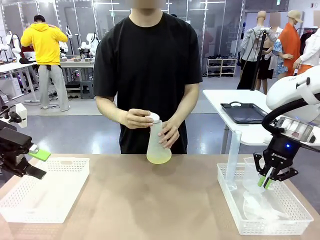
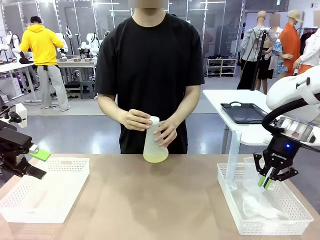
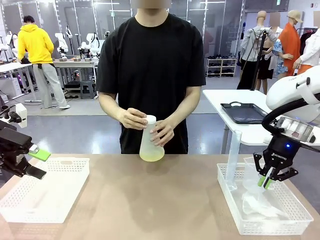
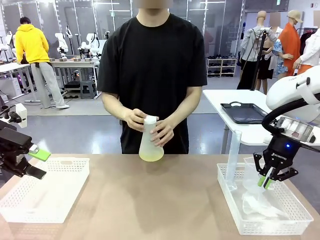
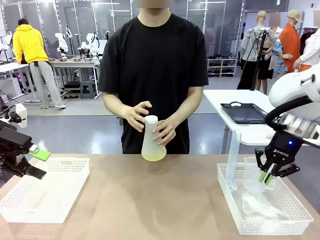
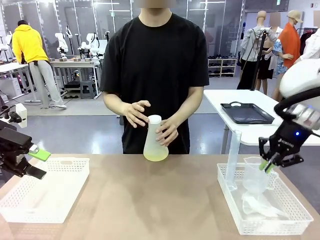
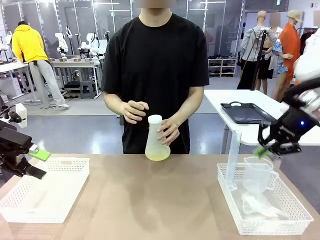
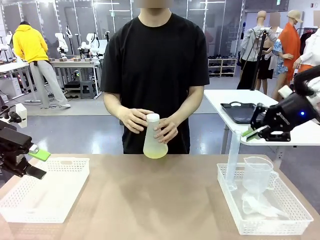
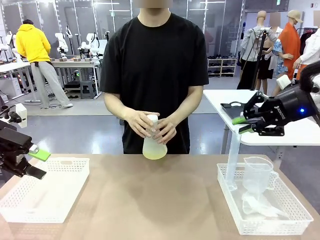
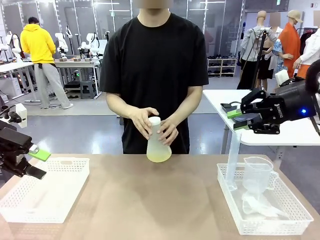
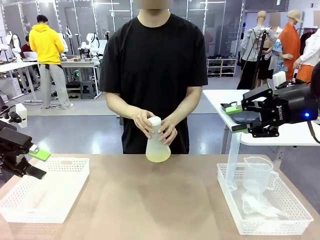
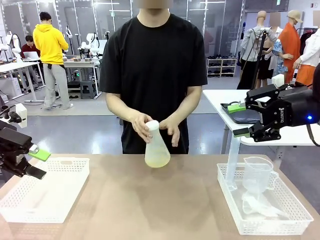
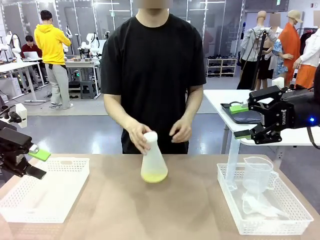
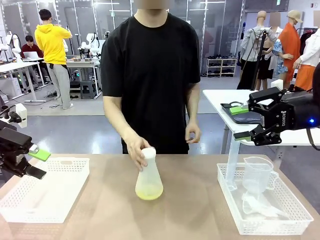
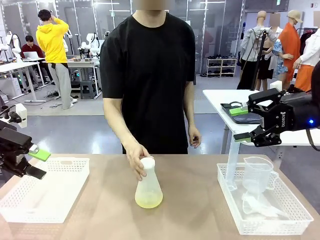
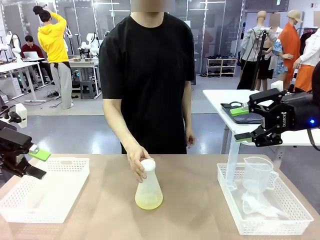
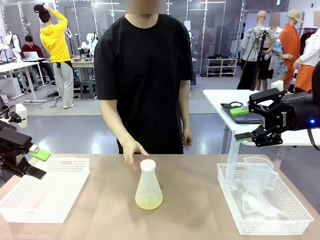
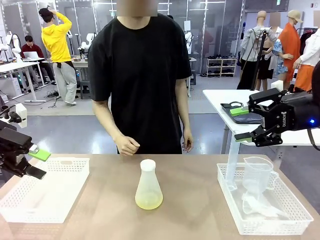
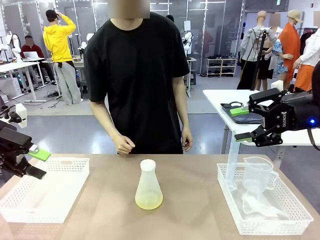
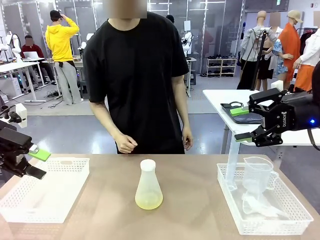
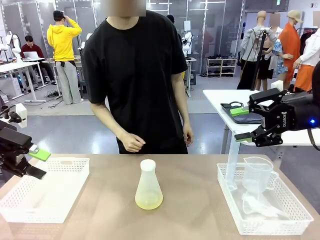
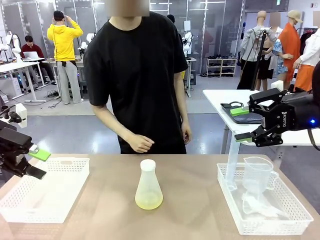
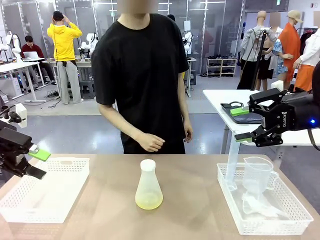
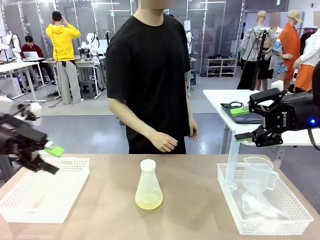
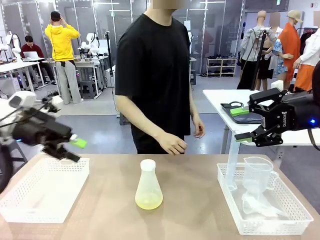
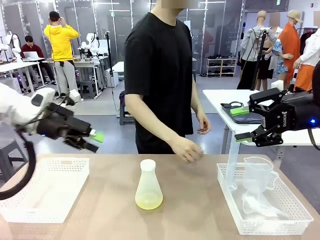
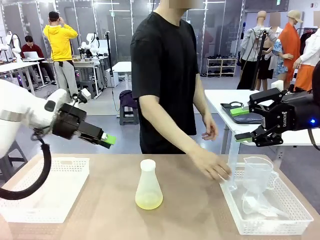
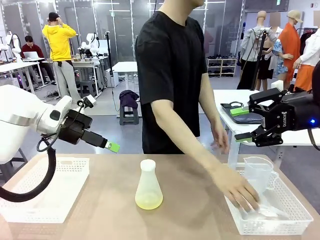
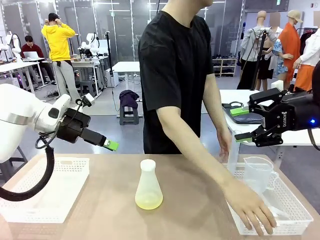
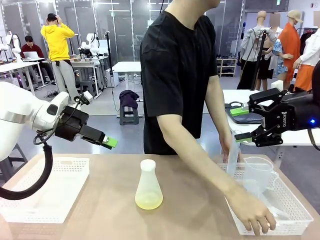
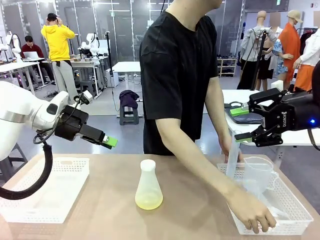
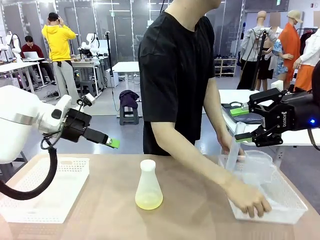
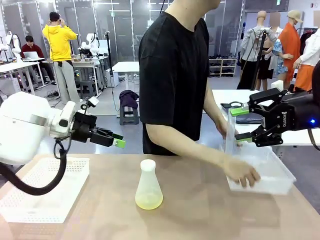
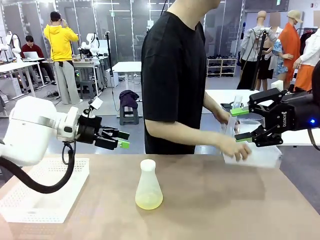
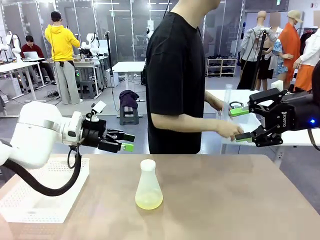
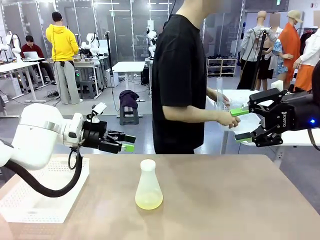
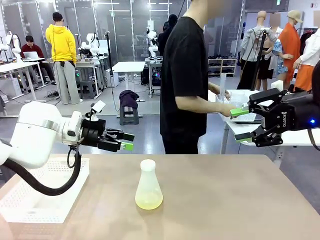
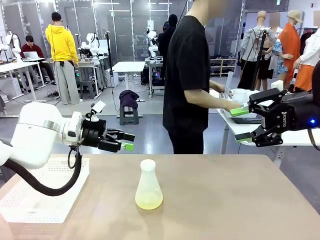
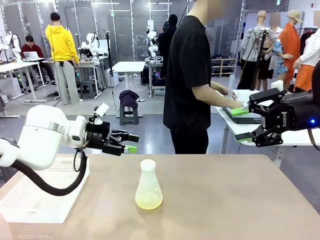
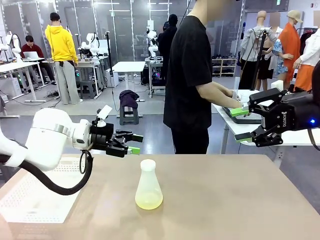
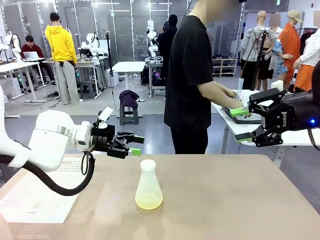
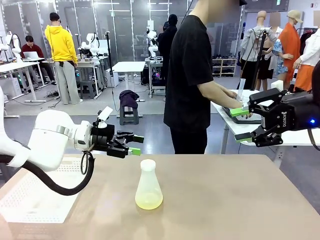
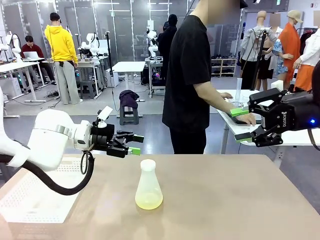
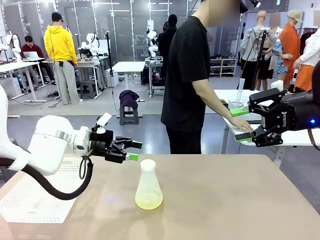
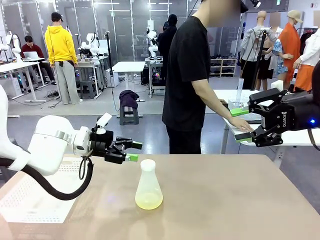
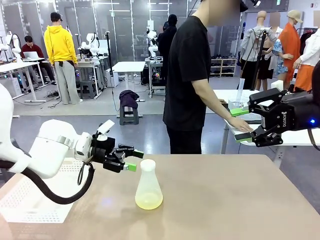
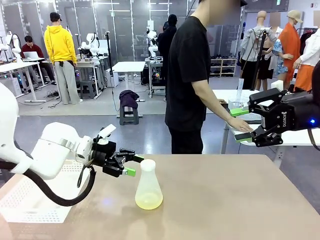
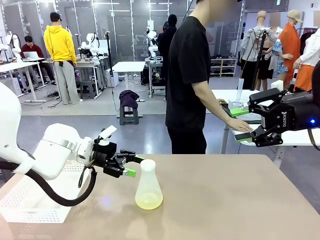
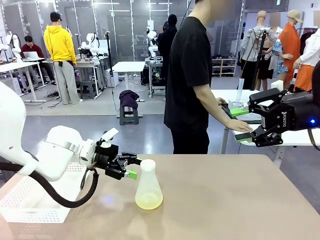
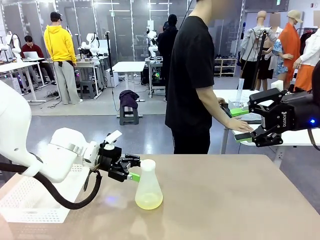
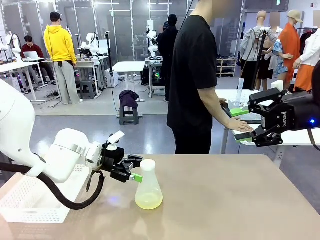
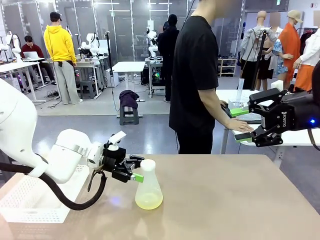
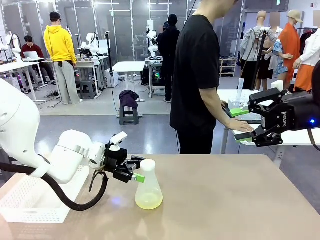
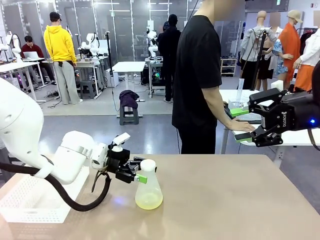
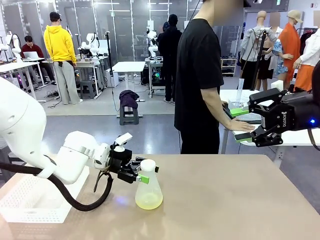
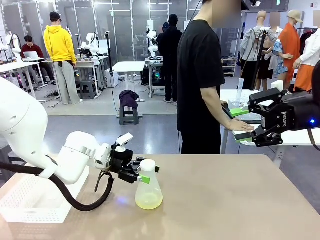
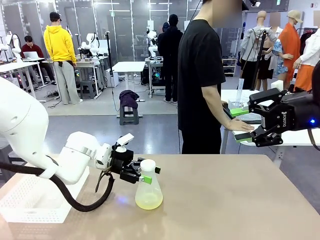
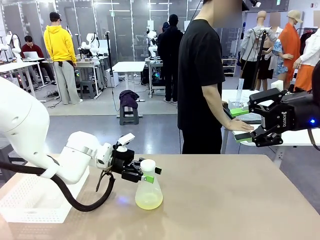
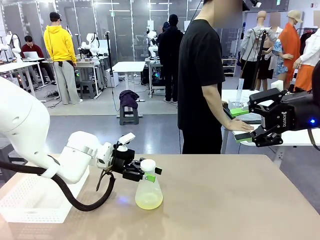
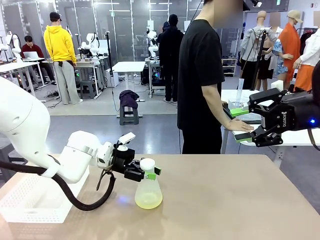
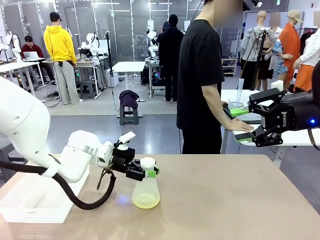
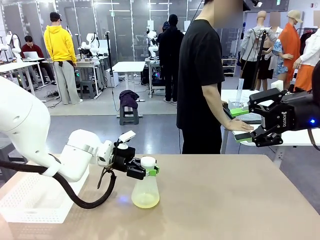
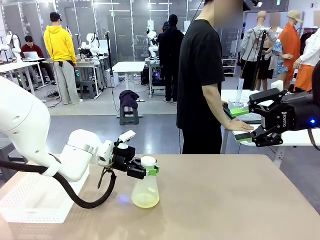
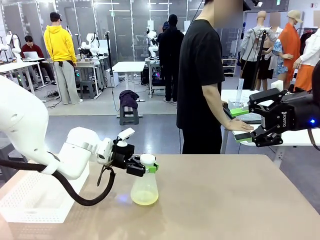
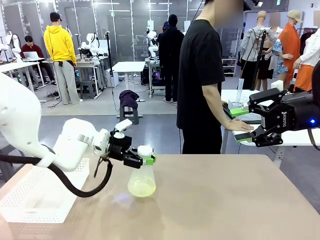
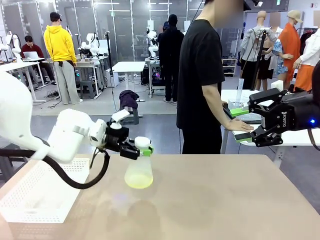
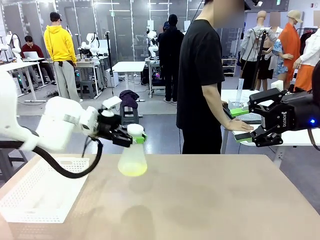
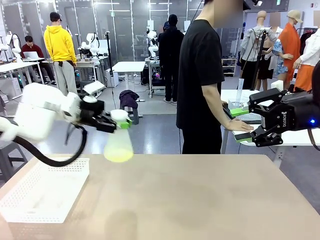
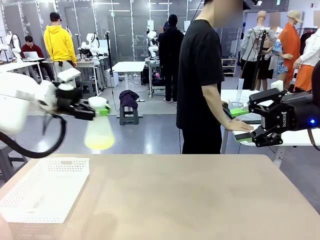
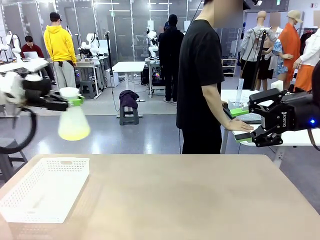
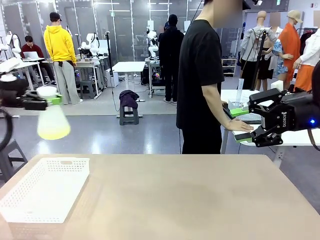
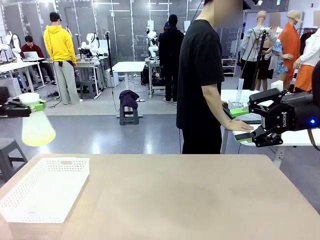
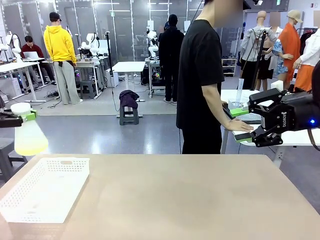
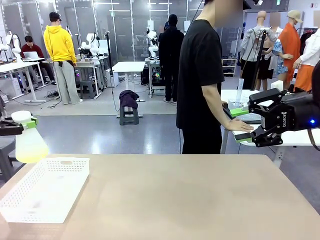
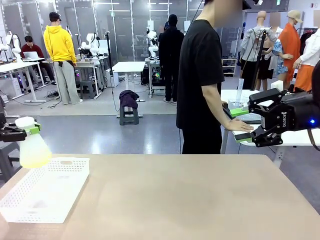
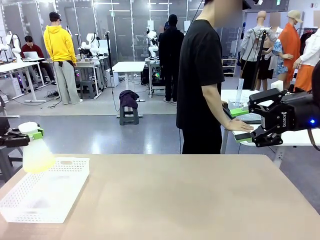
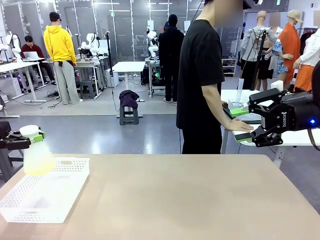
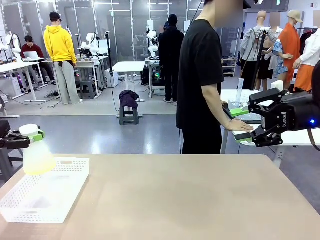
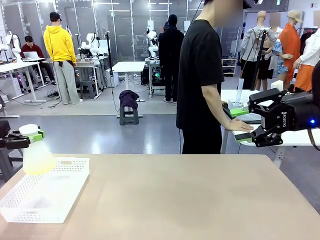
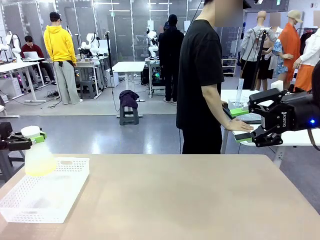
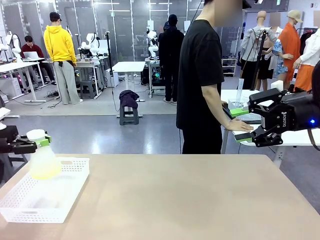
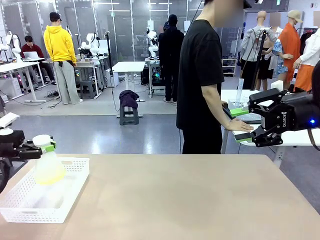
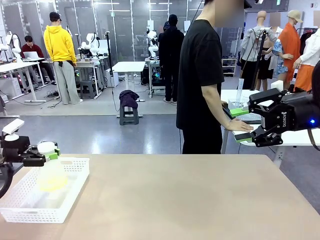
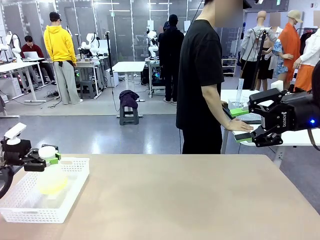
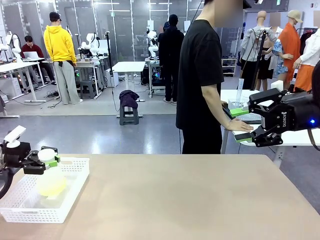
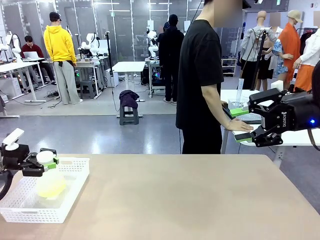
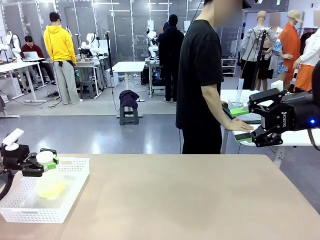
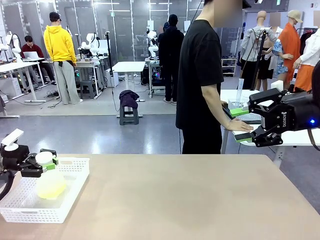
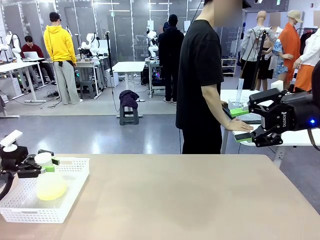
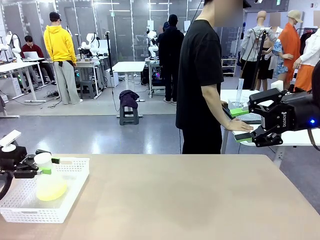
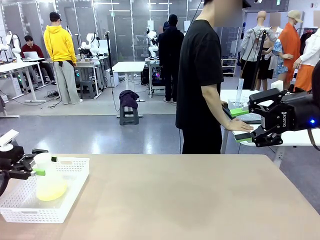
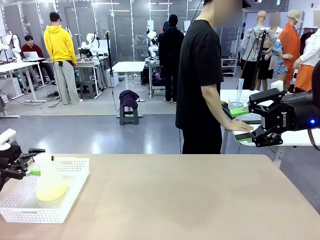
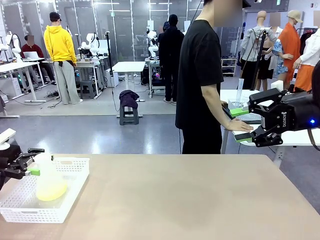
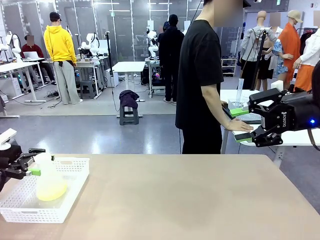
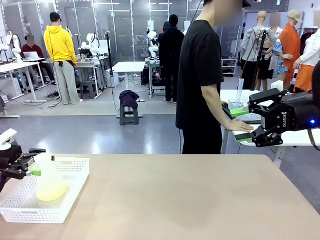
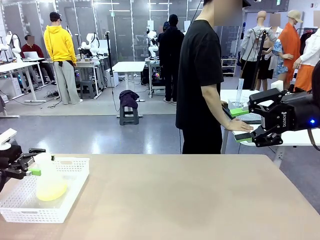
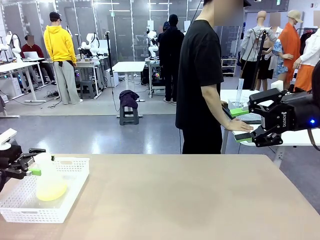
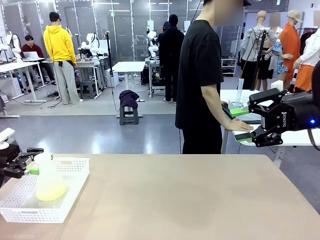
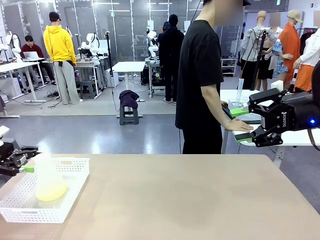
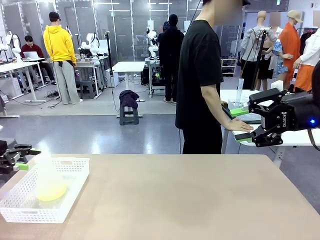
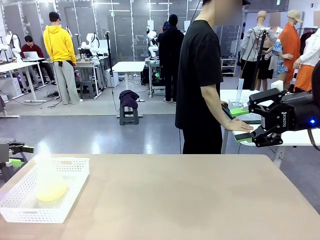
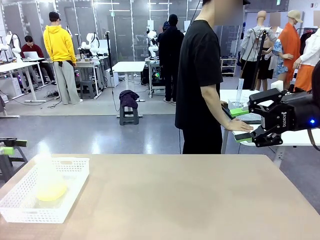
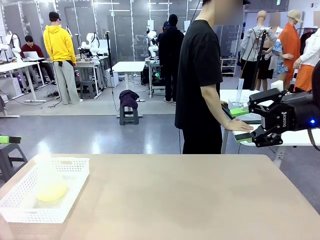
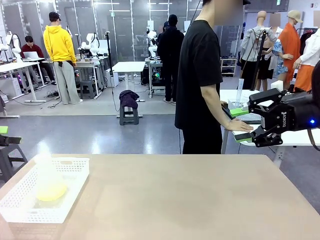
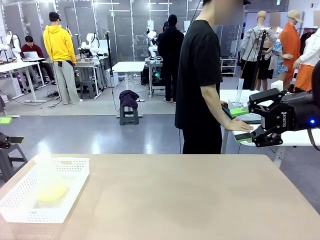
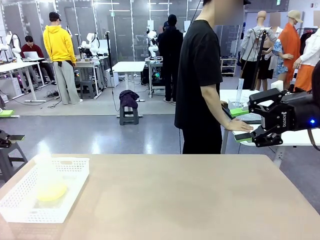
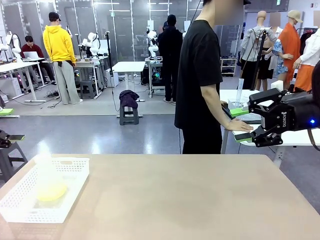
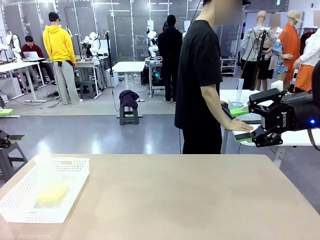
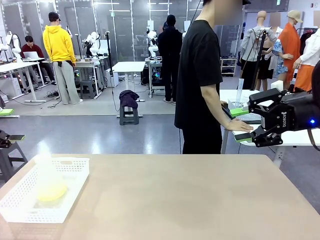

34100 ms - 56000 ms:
Task: Prepare the solutions needed for the experiment.
Robot: When the human places the Big flask in the center of the table, pick up the Big flask and place it in the left Organizing basket.
Person: Pick up the organizing basket on the left side of the robot table and place it on the left side of the human table.
